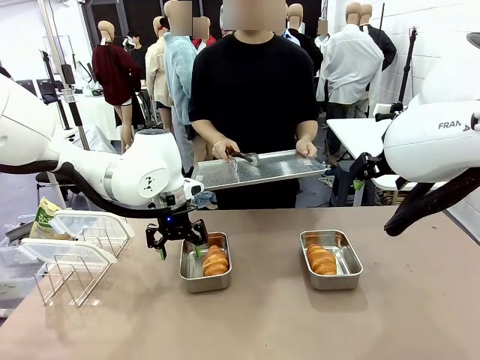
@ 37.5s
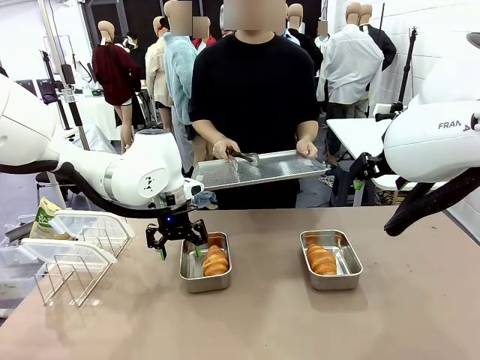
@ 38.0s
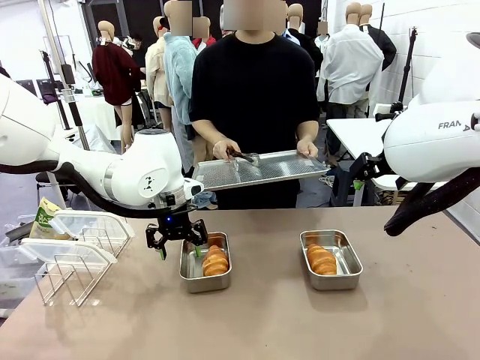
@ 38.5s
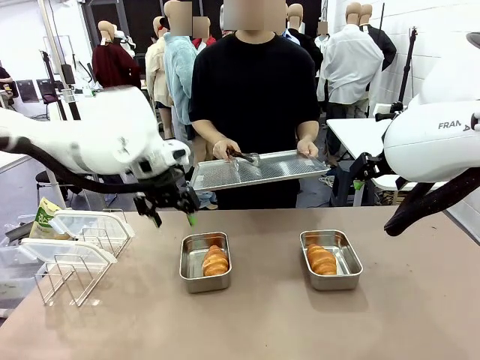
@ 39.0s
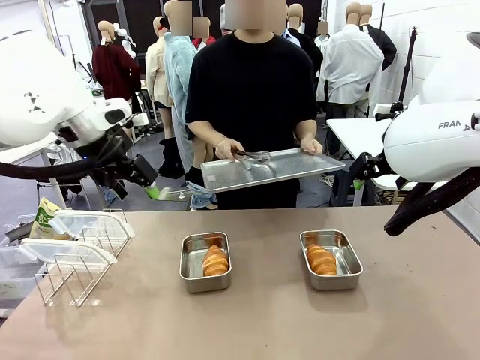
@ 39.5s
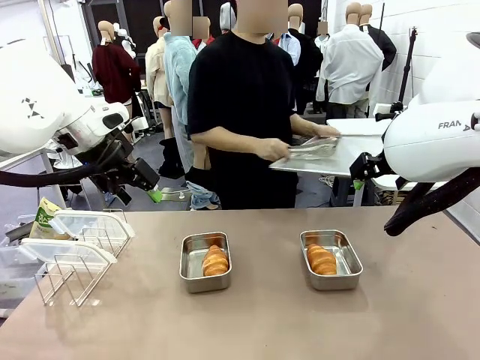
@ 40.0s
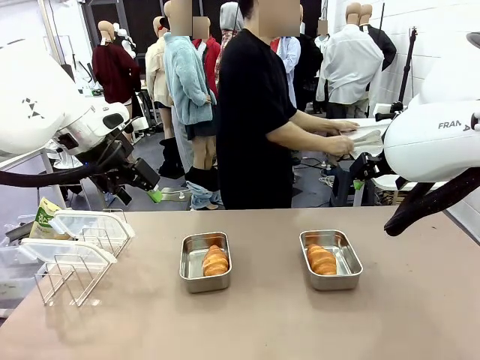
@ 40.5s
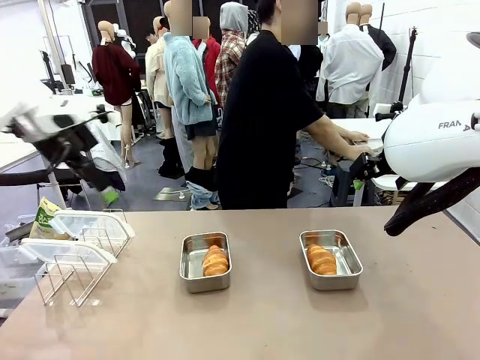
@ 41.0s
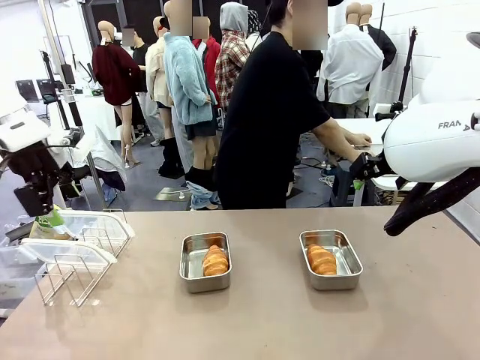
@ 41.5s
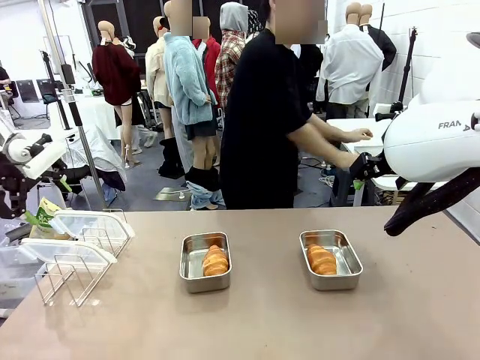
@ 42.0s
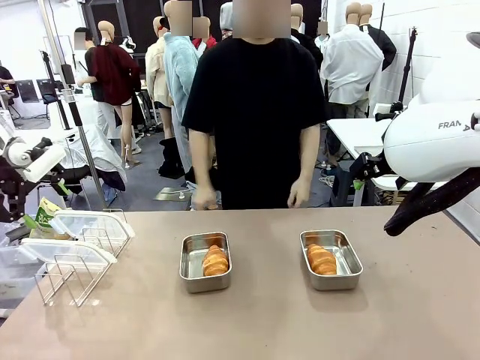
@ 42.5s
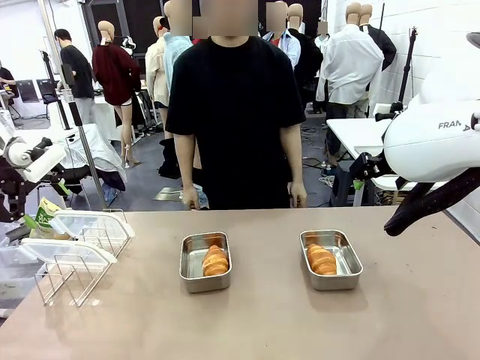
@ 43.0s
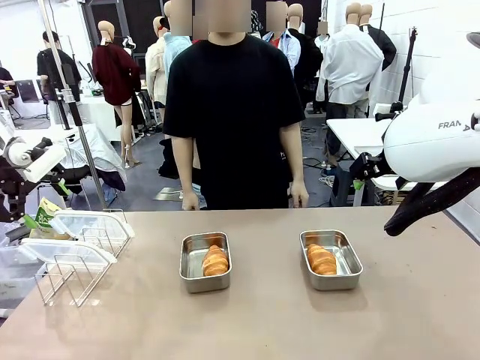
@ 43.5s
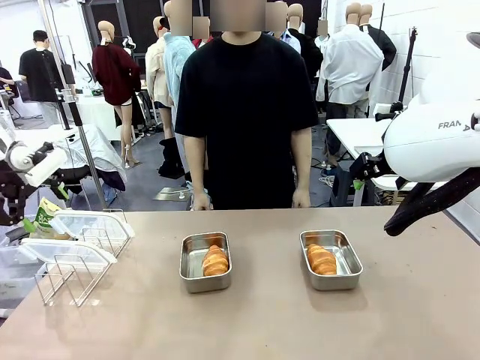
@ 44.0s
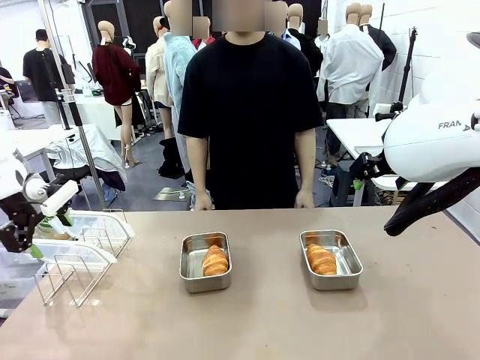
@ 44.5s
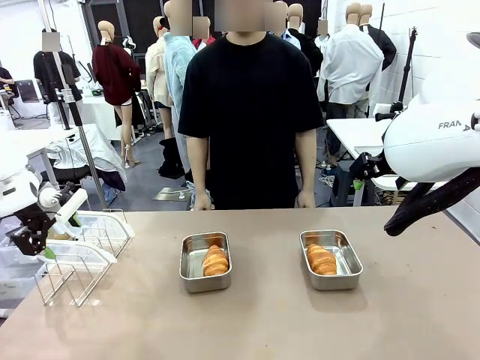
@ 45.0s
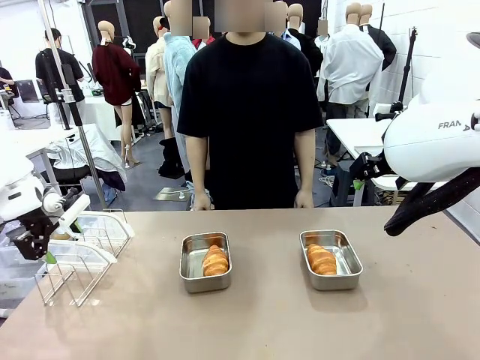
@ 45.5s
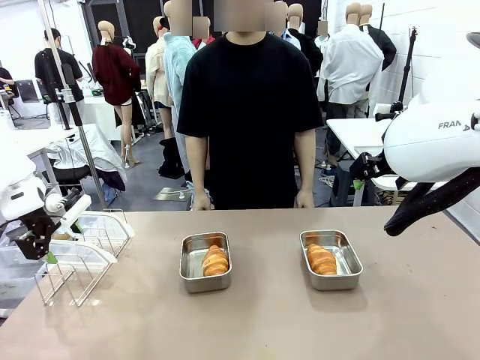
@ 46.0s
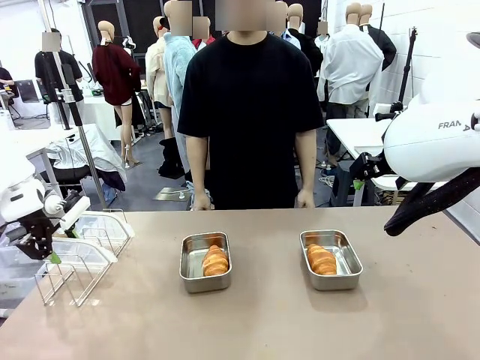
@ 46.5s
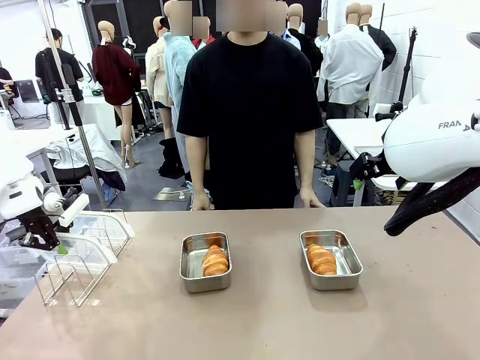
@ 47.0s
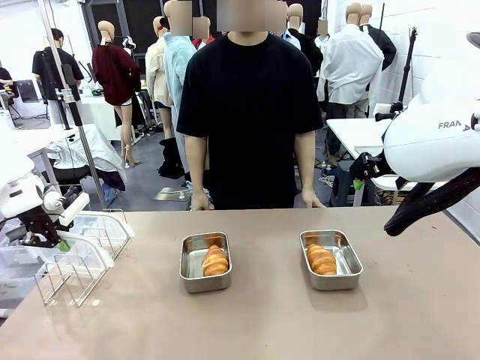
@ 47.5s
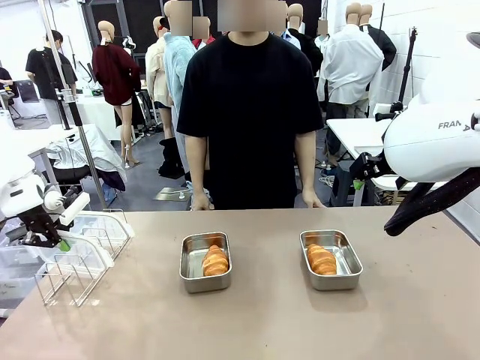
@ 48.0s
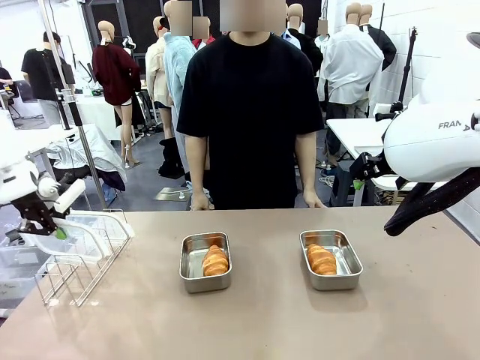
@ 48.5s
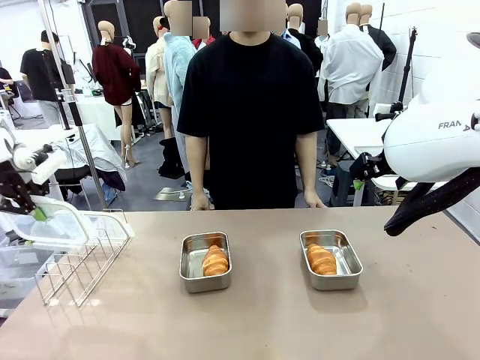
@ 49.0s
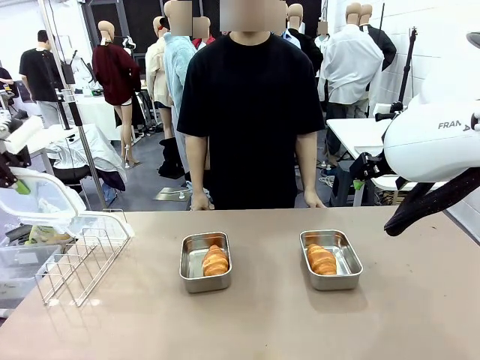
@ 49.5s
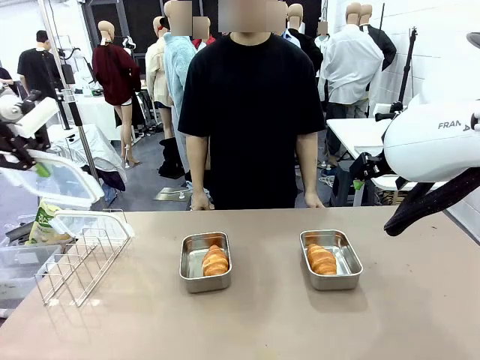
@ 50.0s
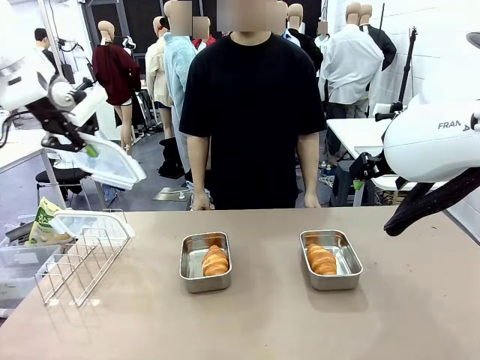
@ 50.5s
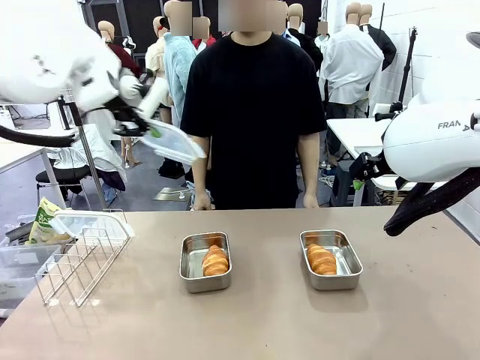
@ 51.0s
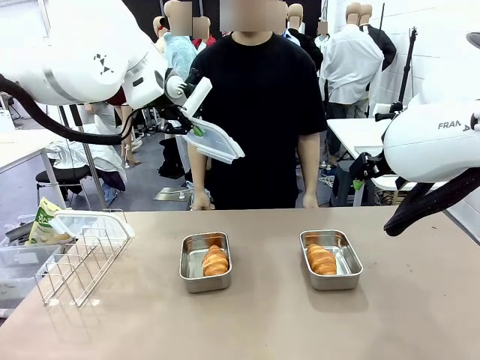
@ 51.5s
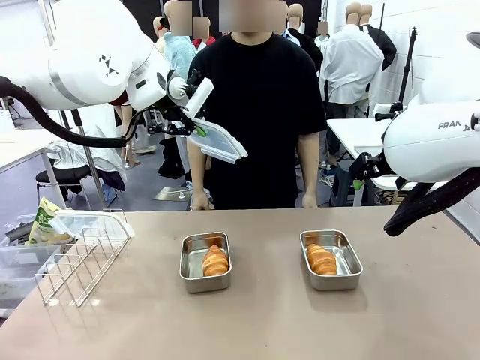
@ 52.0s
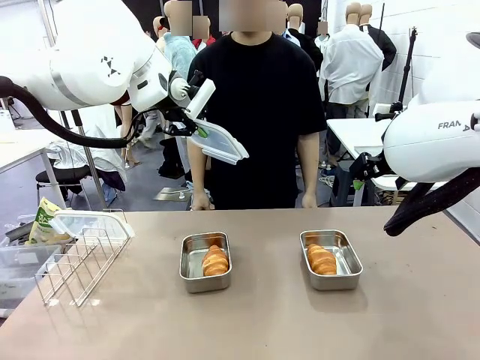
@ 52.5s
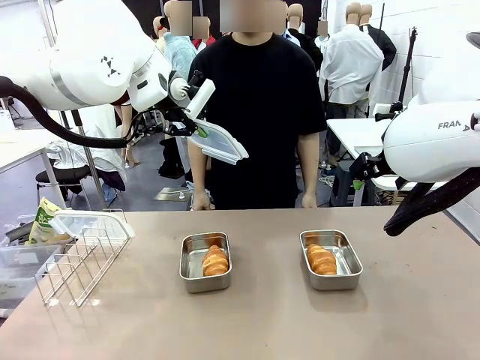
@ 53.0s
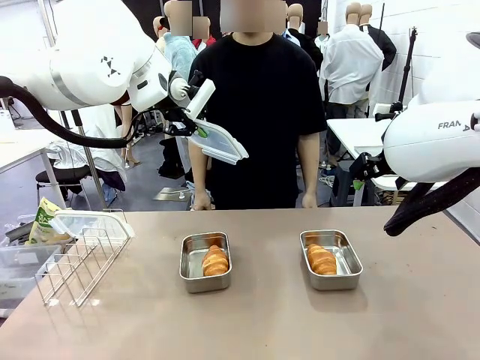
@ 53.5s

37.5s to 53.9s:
Task: Place the bread in airtight containers.
Robot: Pick up one Airtight Container lid and hand it to the human.
Person: Grip Airtight Container lid that robot is handing.

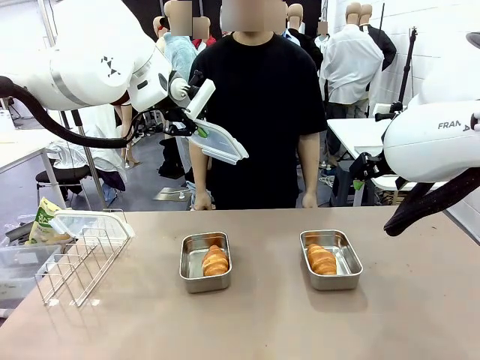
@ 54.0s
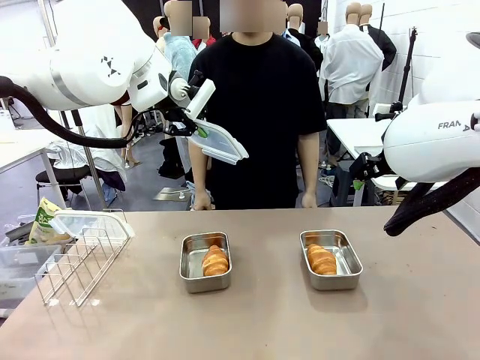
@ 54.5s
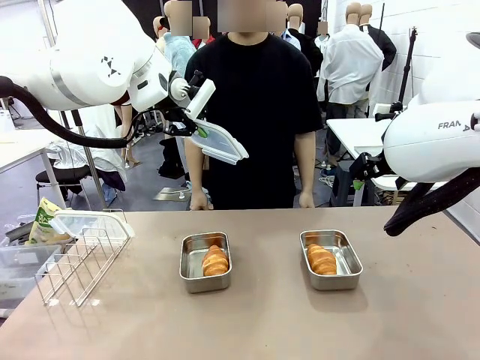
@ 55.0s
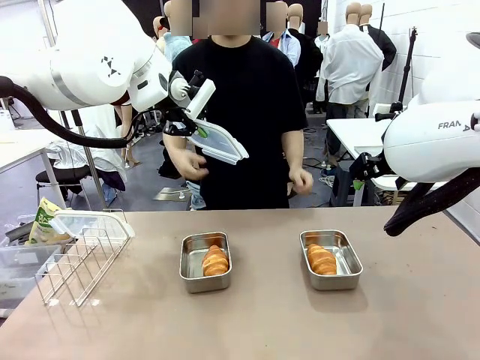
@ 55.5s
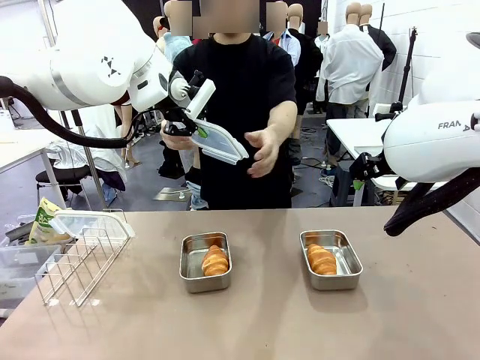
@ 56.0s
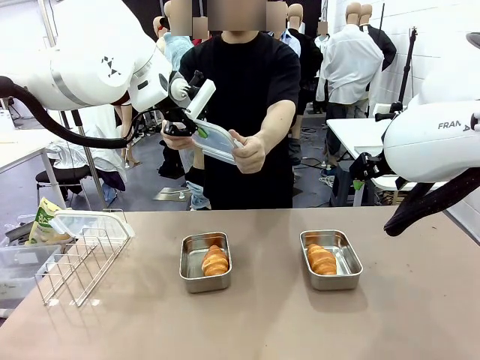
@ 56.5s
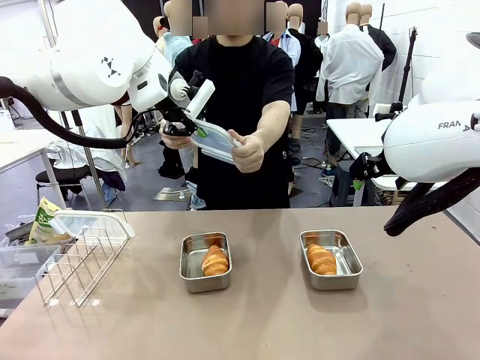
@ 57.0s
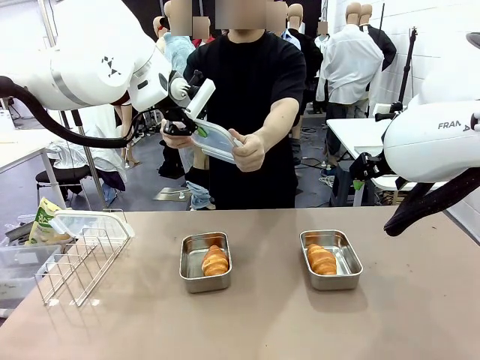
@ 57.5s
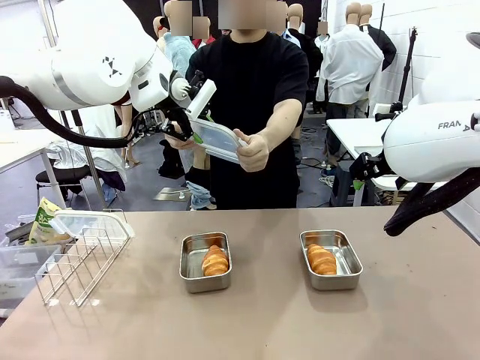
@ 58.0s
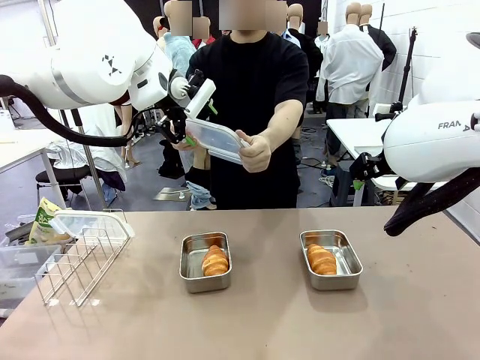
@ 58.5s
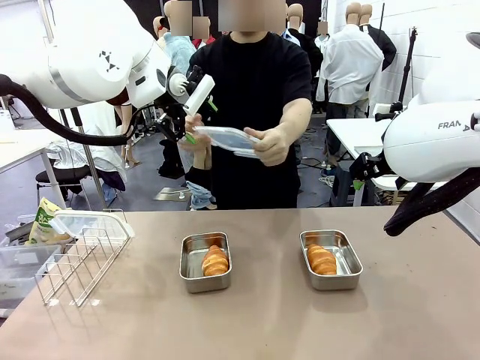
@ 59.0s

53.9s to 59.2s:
Robot: Release when the human grabs the Airtight Container lid.

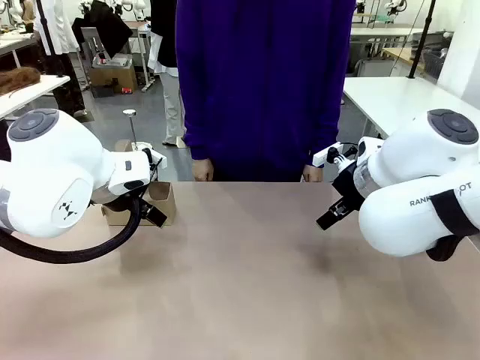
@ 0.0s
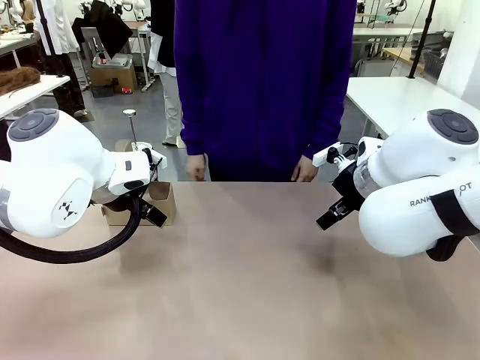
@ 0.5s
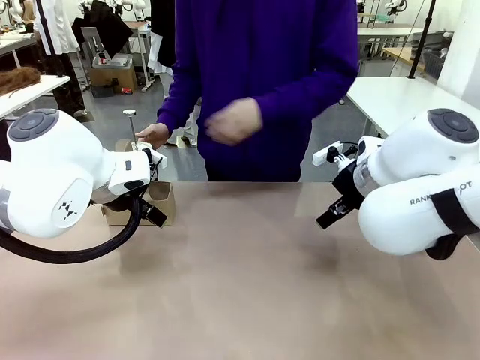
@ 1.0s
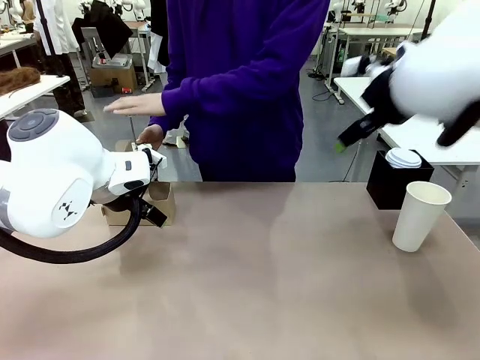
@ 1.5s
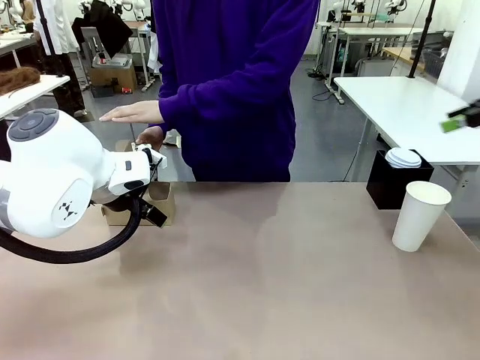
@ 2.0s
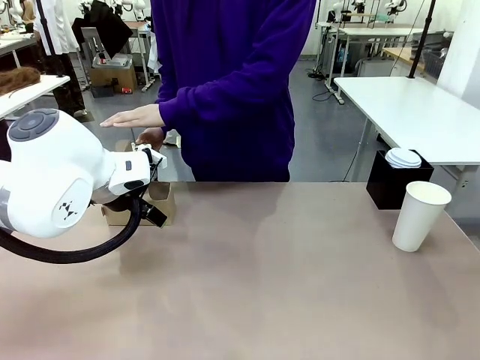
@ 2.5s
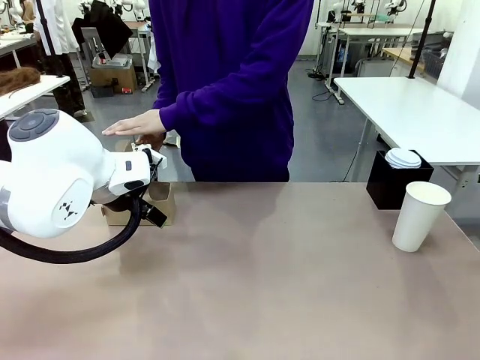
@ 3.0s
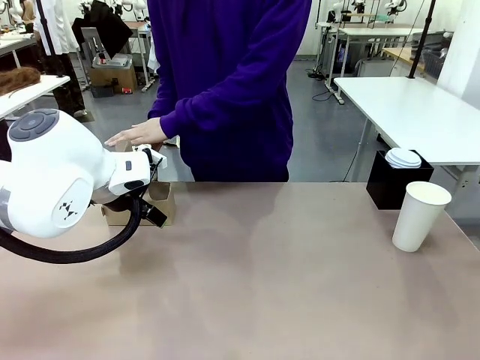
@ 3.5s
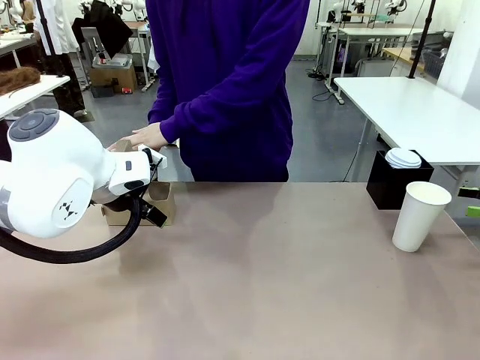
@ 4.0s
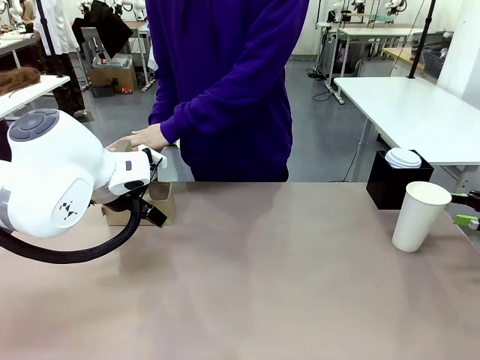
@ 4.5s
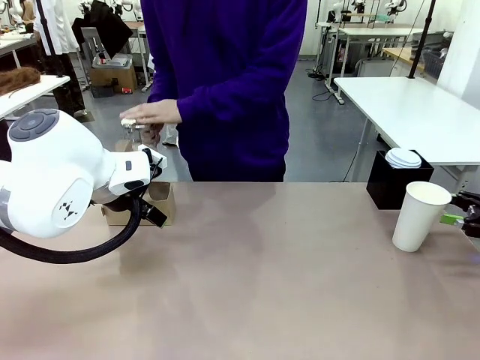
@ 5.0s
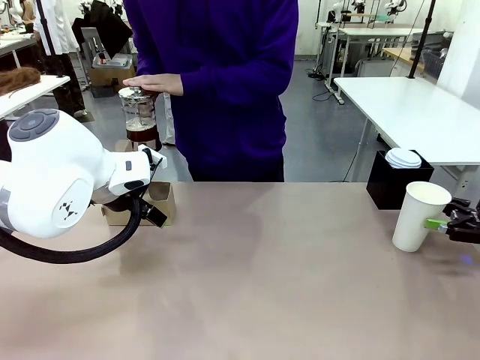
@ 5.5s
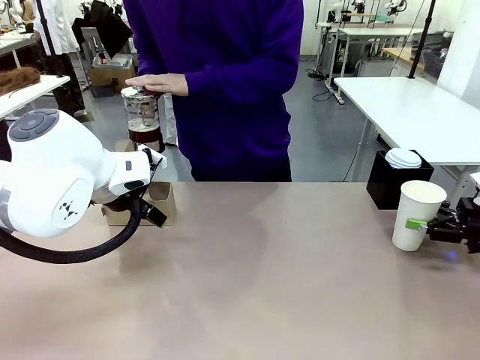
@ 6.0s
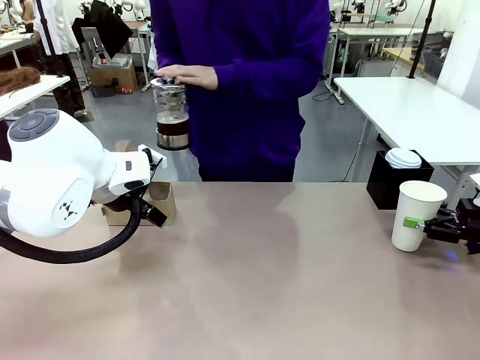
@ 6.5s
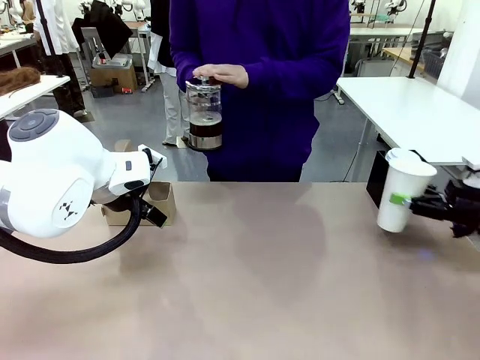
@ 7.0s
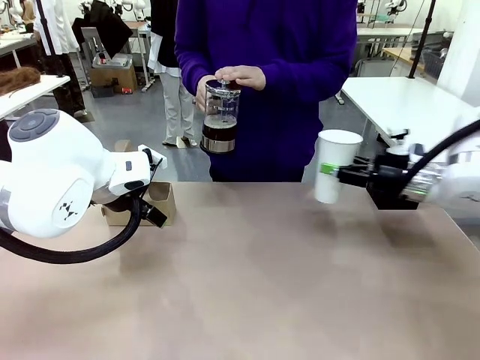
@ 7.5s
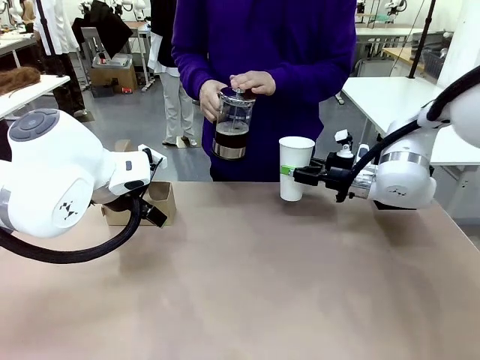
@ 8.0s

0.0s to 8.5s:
Task: Pour a drink into a cup and package it in a carrier.
Robot: Pick up the 600 ml Paper Cup and place it in the middle top area of the table.
Person: Press and pick up the Filter Brewing.
